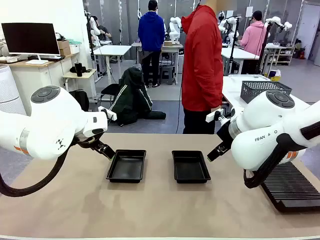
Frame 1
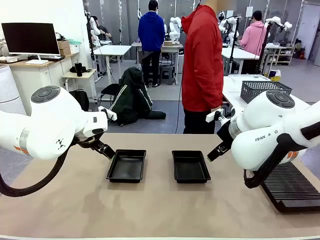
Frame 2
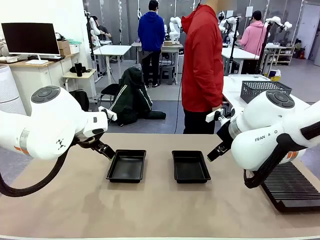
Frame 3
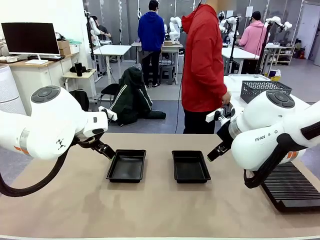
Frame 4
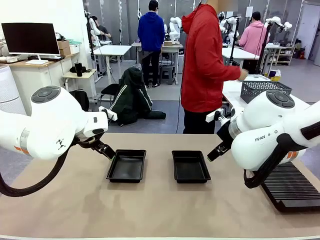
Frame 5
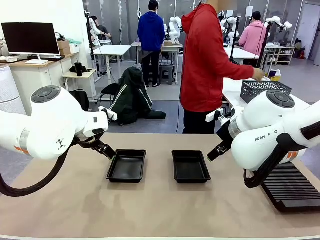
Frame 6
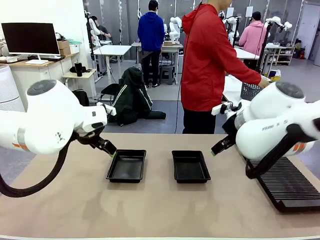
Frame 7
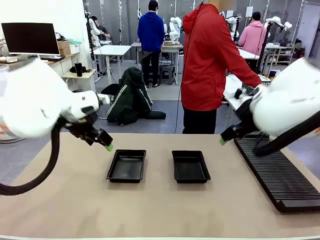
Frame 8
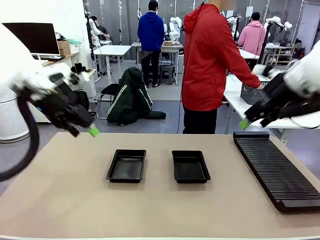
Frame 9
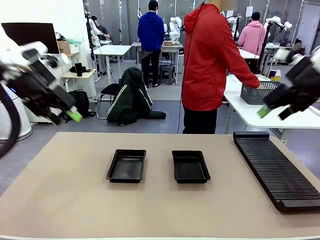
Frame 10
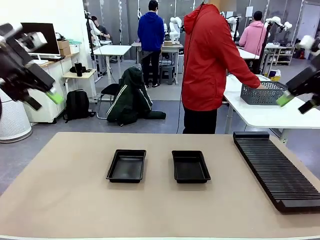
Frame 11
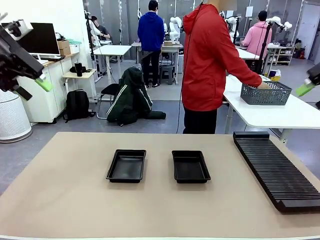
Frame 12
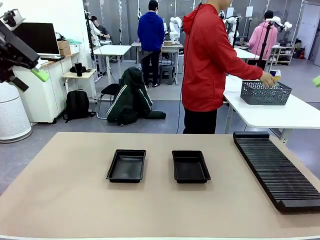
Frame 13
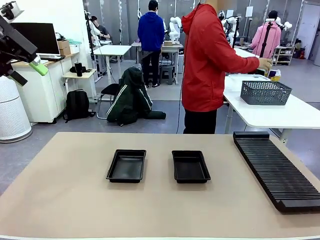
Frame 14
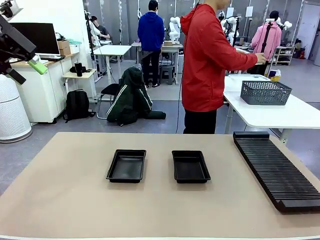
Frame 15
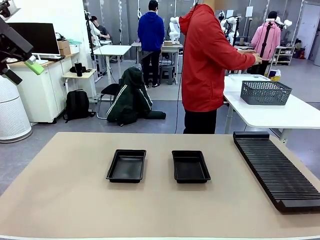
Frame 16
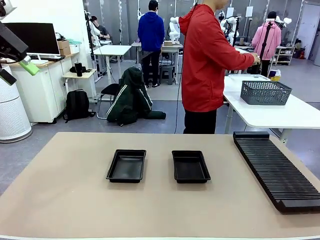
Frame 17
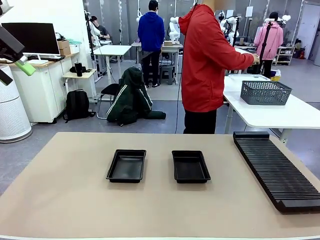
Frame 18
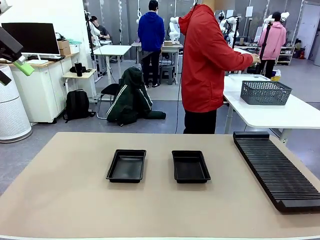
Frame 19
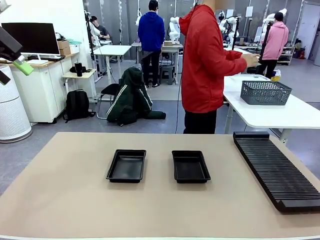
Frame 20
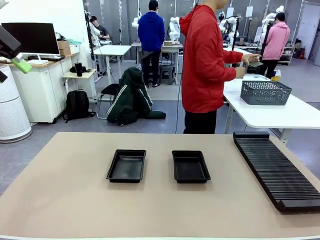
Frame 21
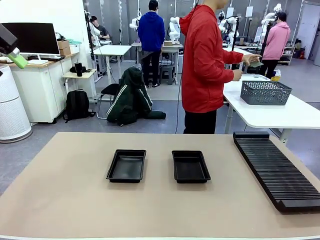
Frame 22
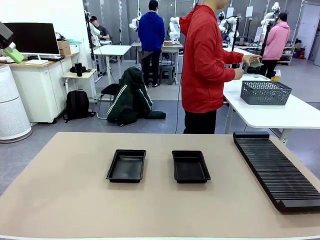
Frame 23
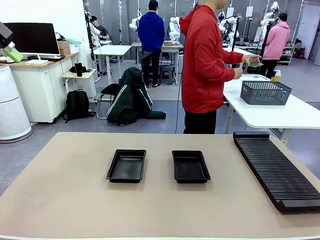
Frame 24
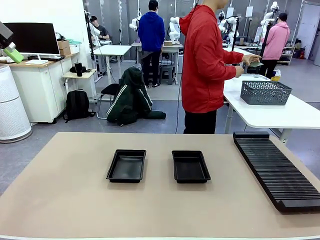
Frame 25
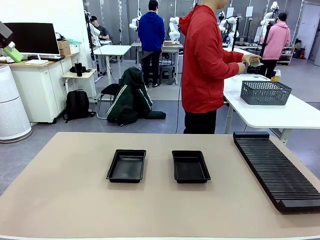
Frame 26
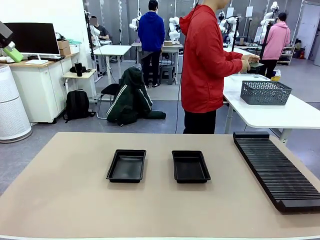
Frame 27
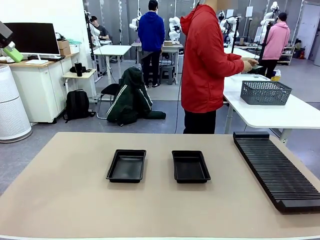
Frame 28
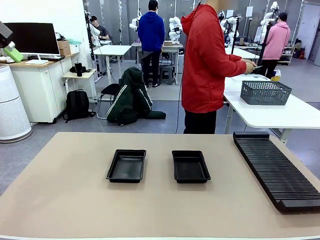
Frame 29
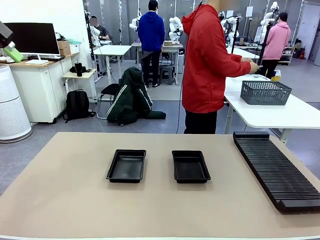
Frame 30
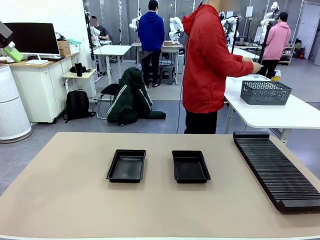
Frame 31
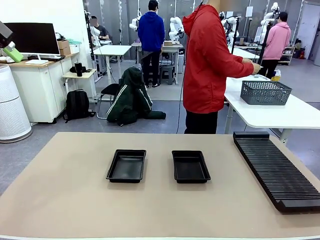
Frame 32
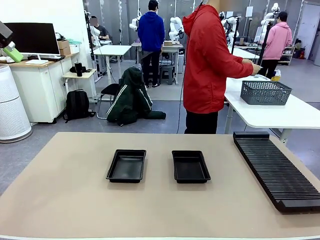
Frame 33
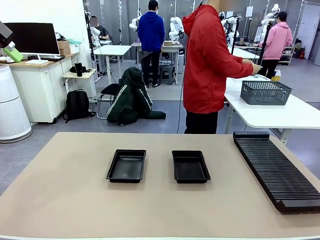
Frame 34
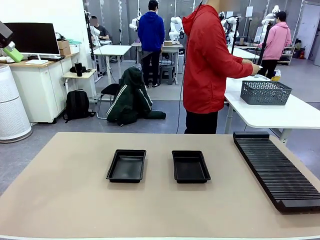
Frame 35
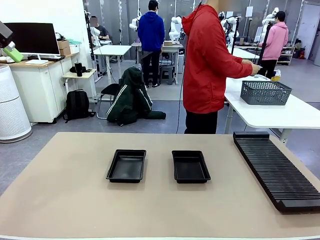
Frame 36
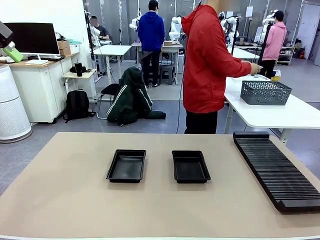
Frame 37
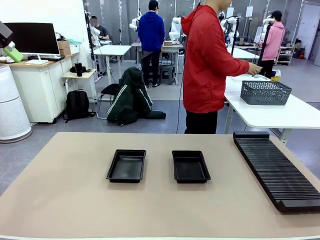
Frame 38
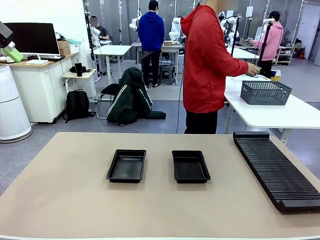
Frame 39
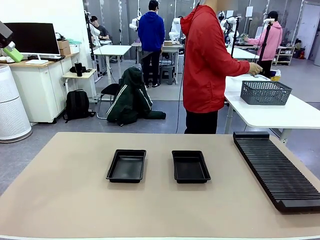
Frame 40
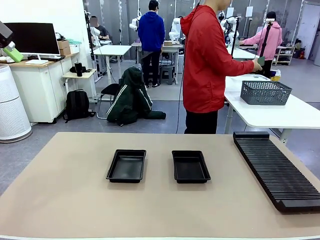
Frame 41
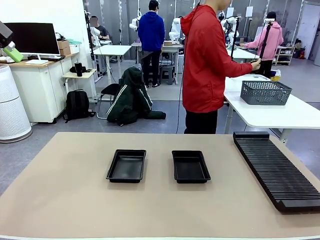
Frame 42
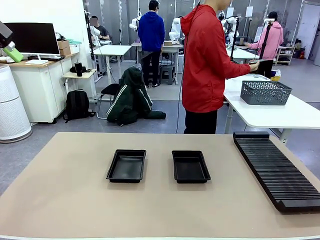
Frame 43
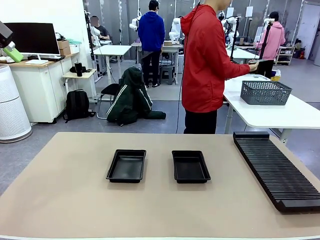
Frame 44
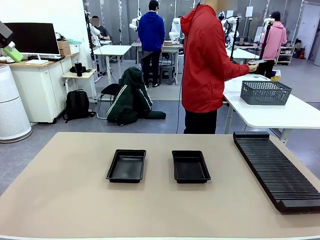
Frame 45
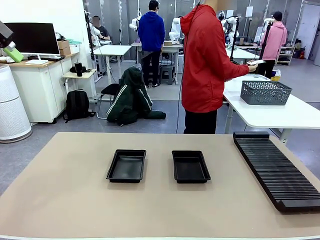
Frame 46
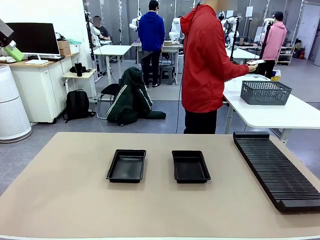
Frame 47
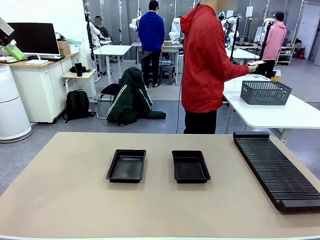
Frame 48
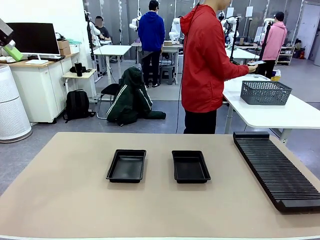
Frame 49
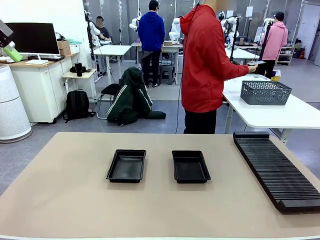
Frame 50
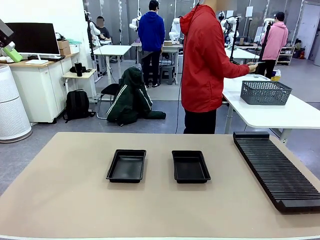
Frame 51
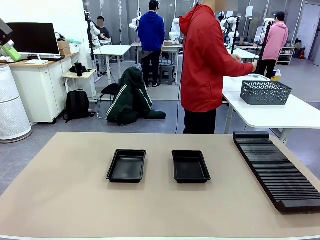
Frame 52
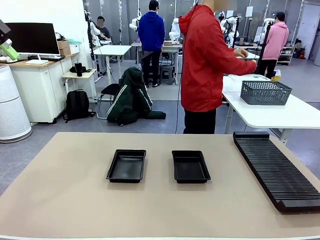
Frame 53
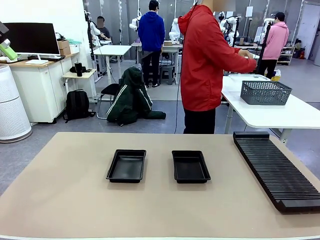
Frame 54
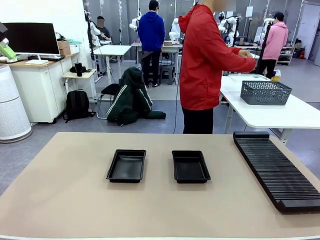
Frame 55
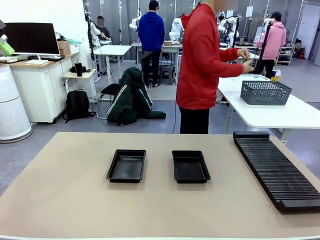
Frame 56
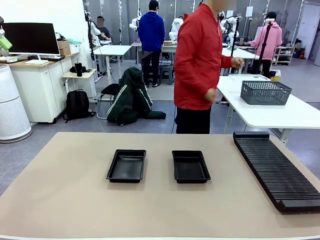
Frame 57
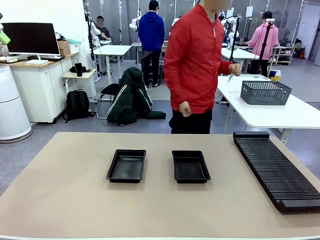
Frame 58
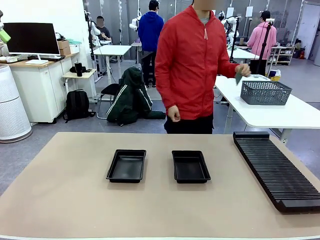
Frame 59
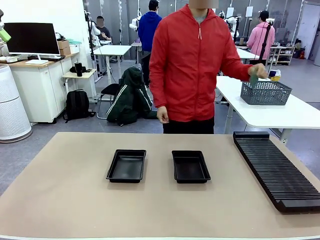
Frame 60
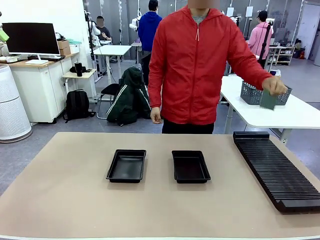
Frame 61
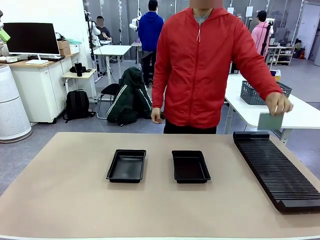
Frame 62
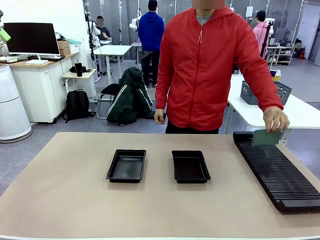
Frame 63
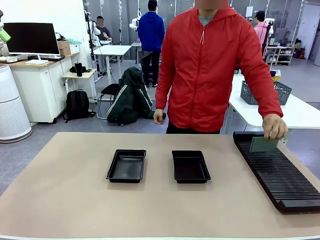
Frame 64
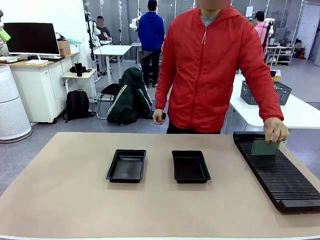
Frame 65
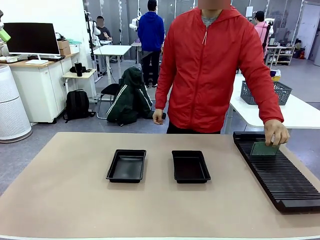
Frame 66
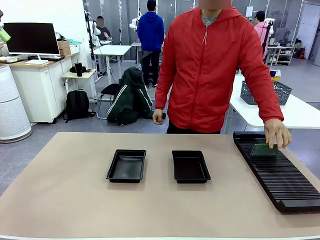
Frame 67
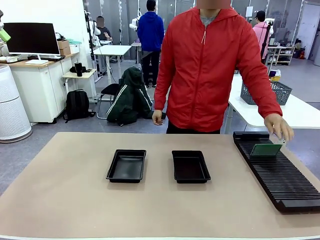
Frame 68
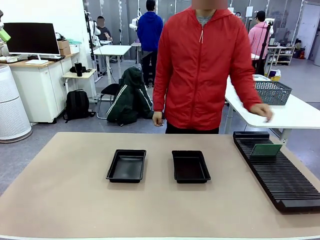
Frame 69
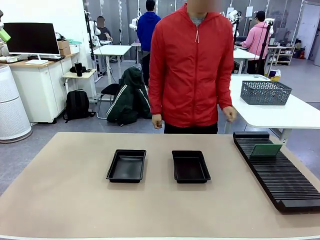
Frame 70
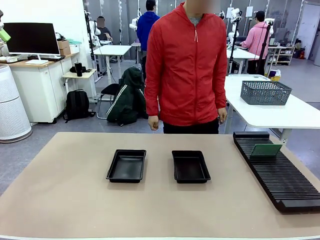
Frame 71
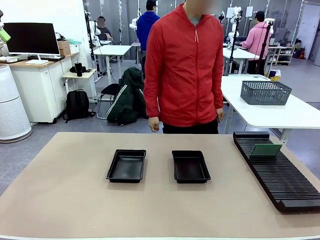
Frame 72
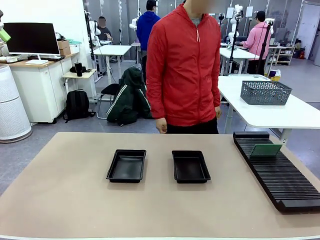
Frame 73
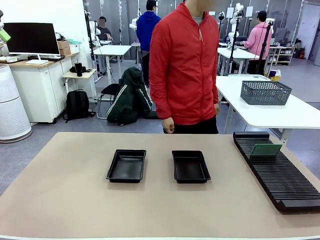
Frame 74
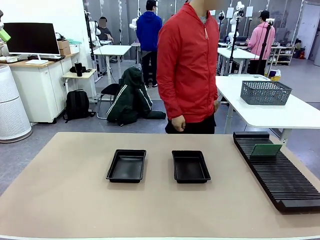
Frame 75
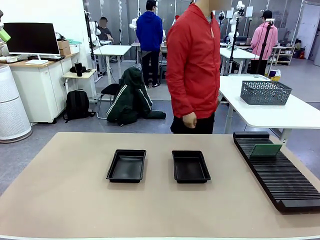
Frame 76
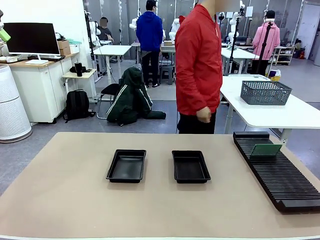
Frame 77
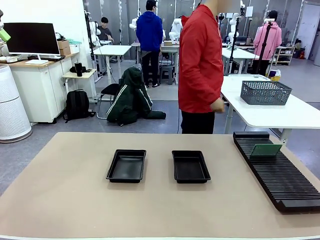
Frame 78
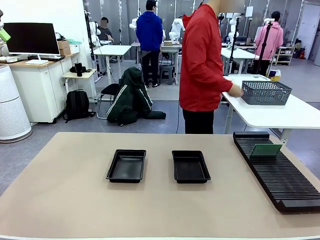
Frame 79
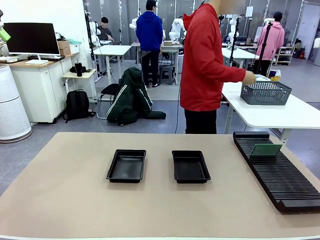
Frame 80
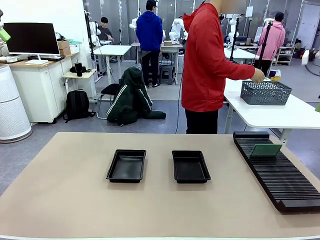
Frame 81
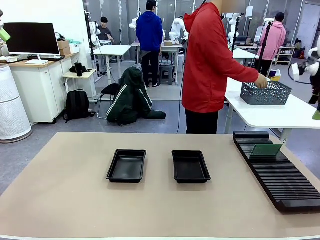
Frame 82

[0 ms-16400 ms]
Task: Inspect and transfer BCBs to ESD trays.
Robot: Pick up the Blank PCB from the PCB Rack and place it in the left ESD tray.
